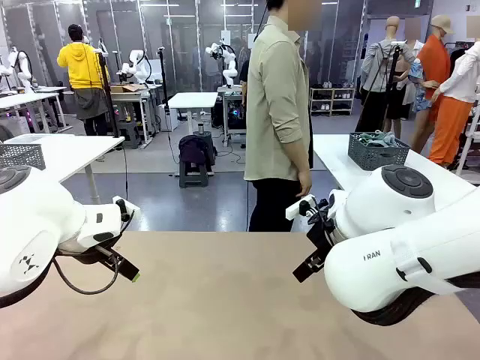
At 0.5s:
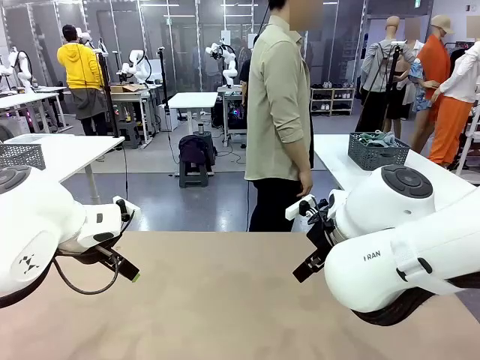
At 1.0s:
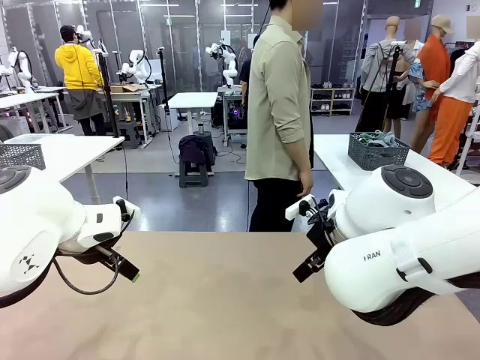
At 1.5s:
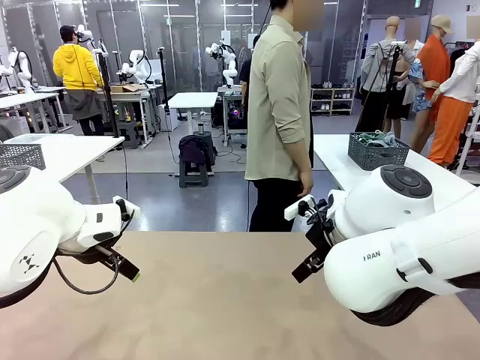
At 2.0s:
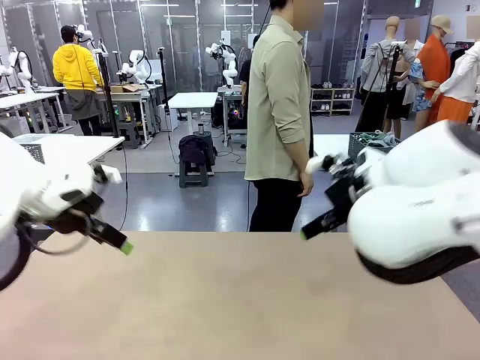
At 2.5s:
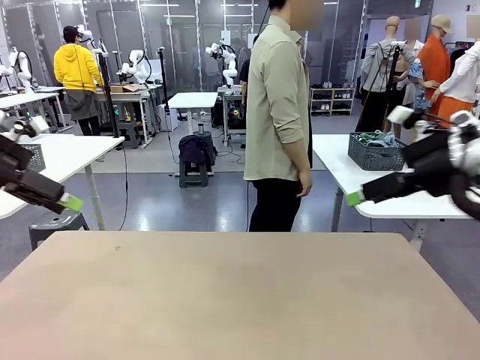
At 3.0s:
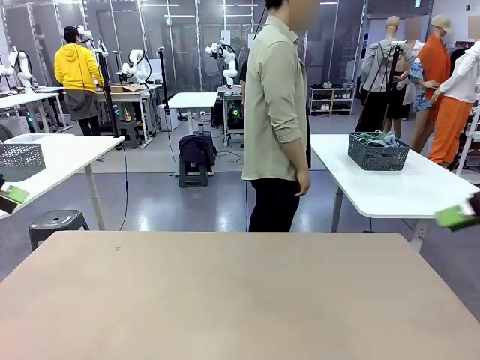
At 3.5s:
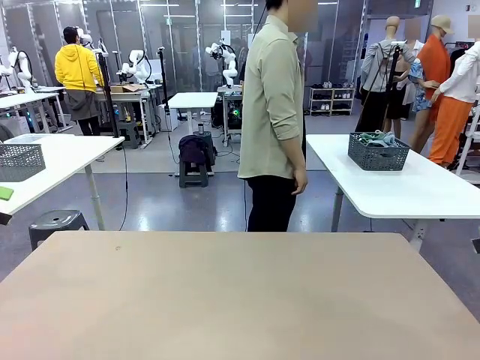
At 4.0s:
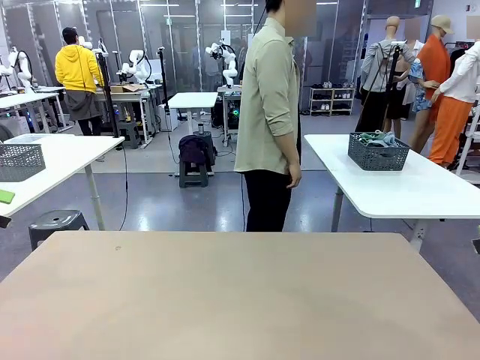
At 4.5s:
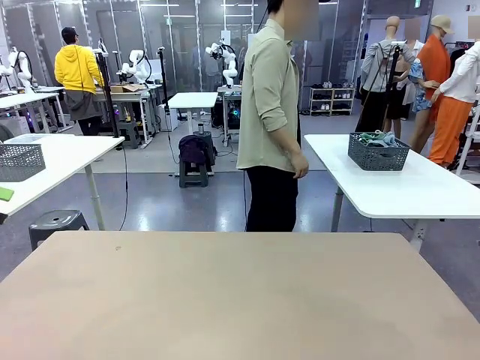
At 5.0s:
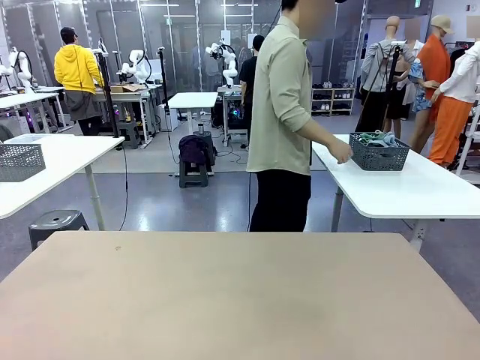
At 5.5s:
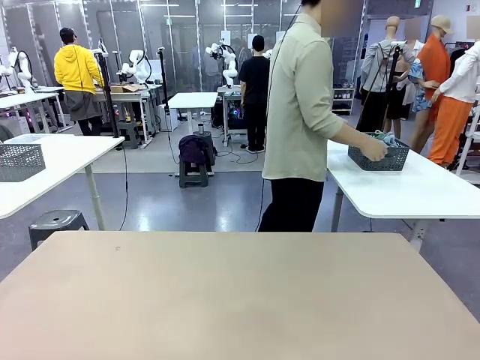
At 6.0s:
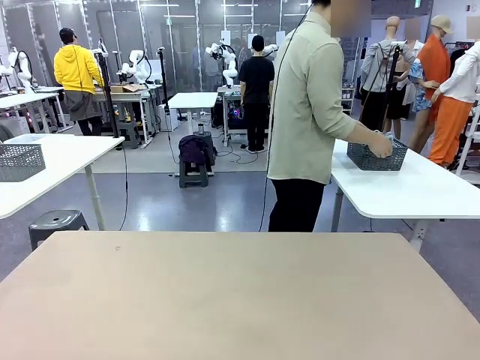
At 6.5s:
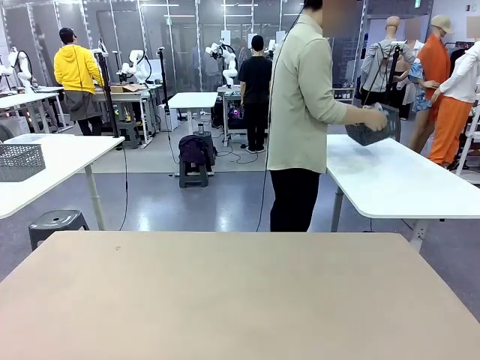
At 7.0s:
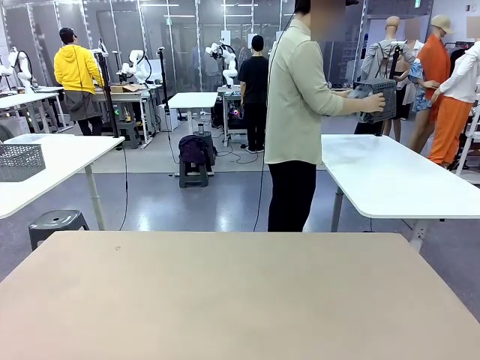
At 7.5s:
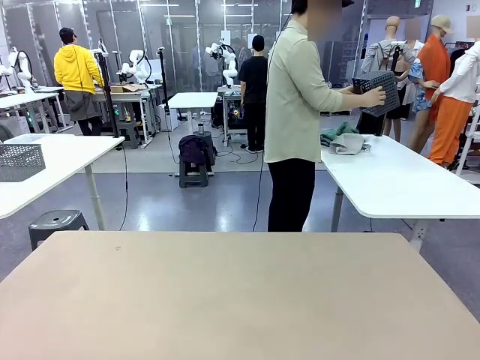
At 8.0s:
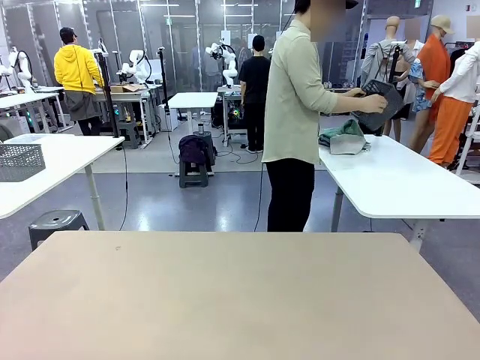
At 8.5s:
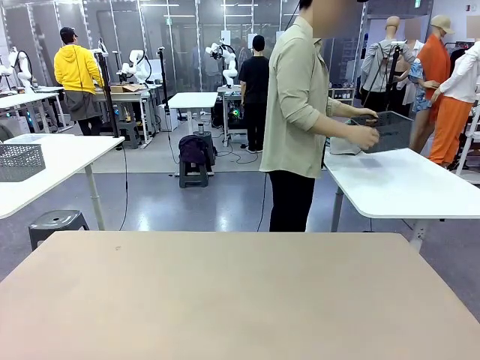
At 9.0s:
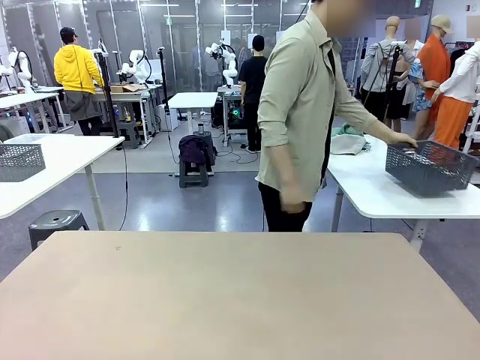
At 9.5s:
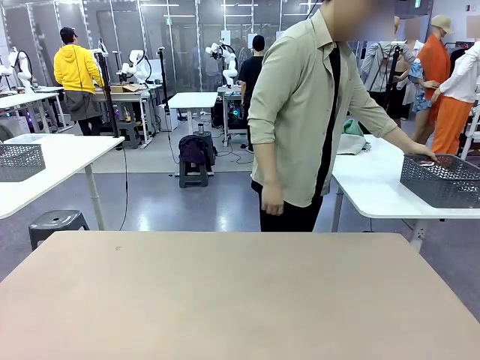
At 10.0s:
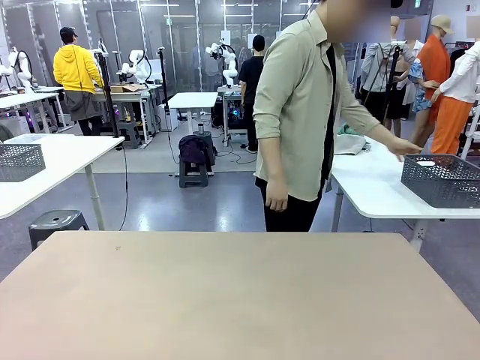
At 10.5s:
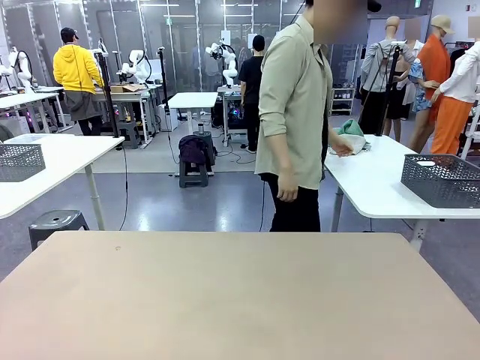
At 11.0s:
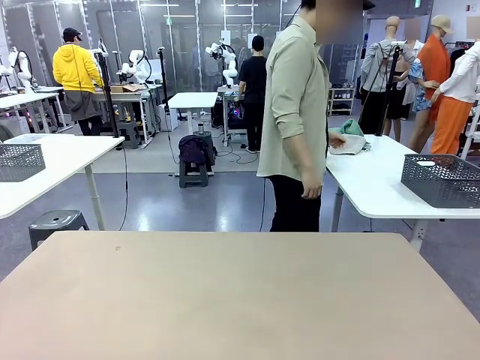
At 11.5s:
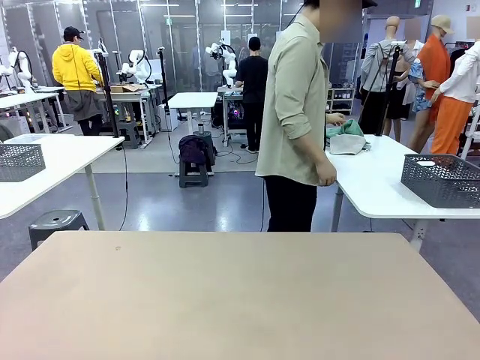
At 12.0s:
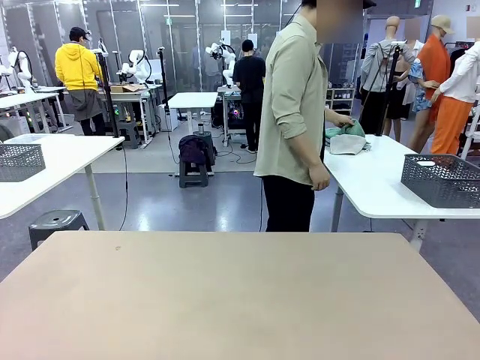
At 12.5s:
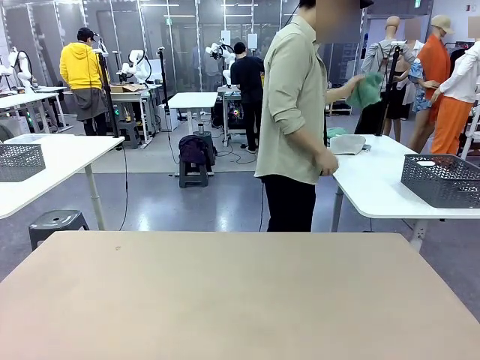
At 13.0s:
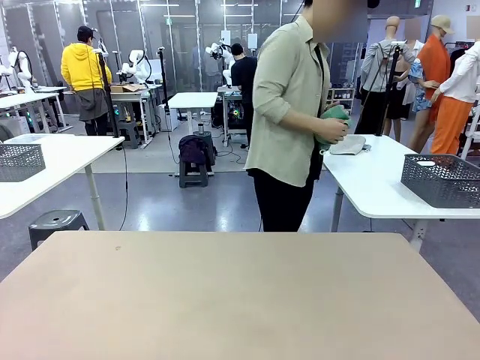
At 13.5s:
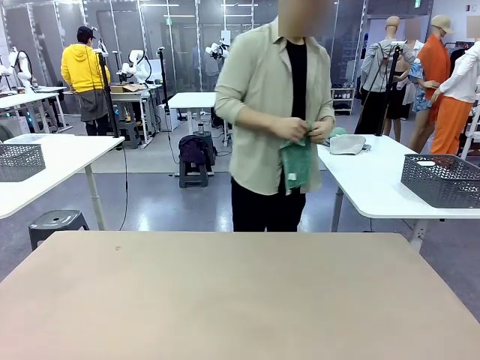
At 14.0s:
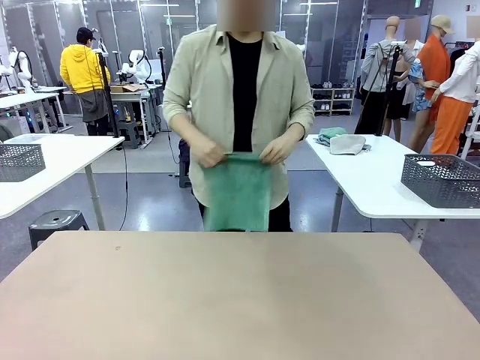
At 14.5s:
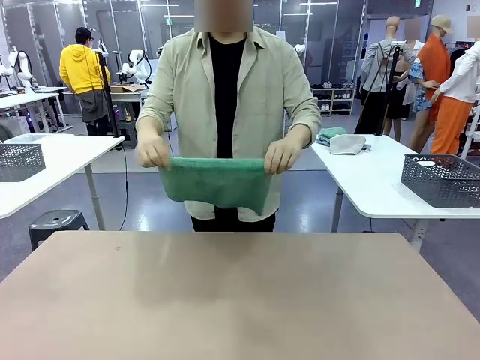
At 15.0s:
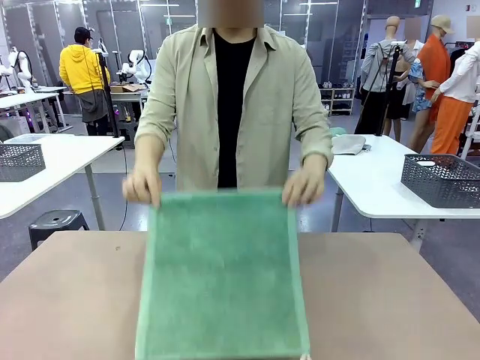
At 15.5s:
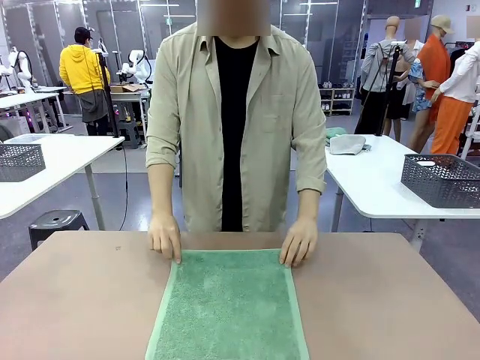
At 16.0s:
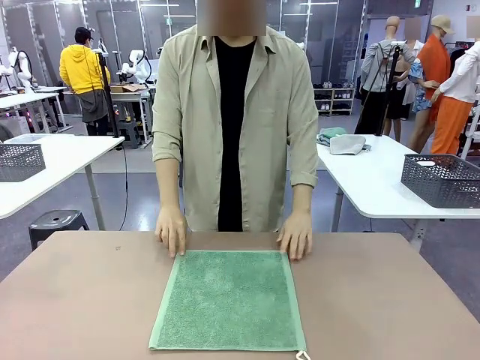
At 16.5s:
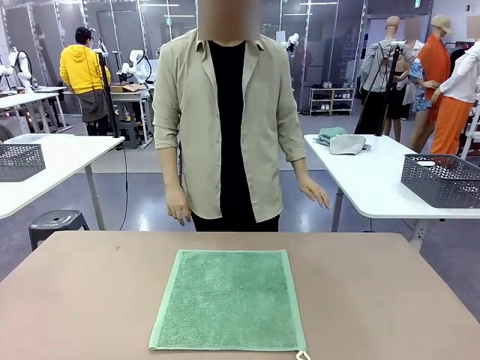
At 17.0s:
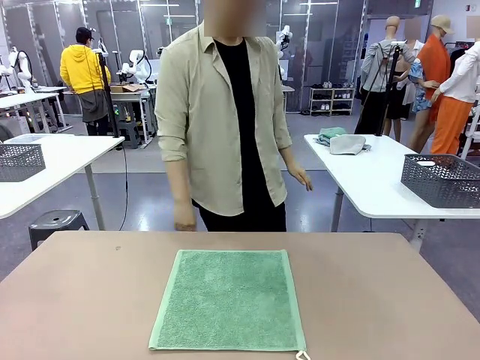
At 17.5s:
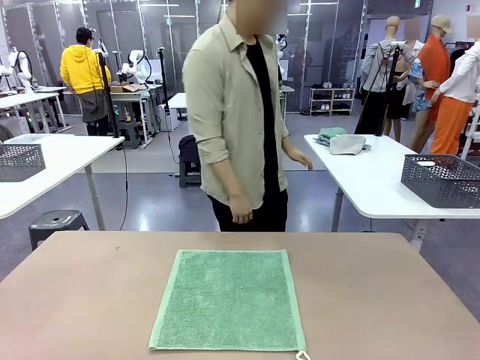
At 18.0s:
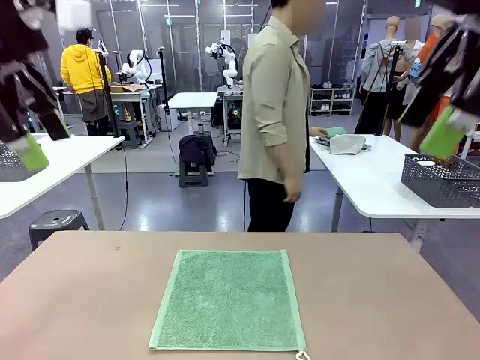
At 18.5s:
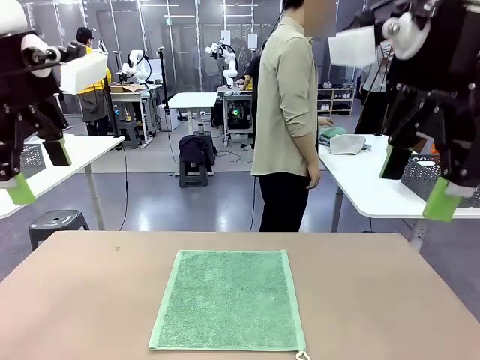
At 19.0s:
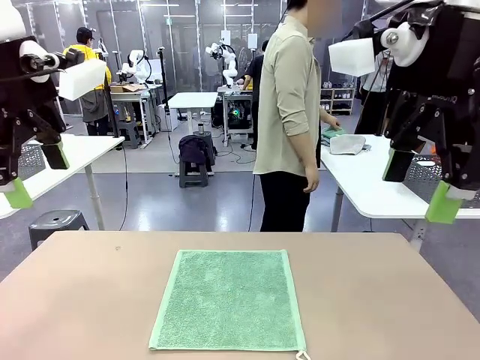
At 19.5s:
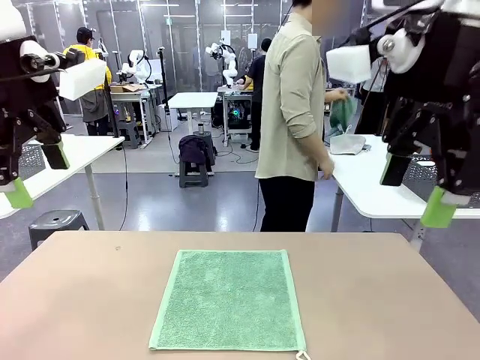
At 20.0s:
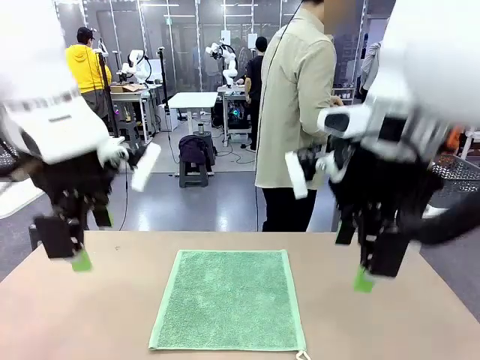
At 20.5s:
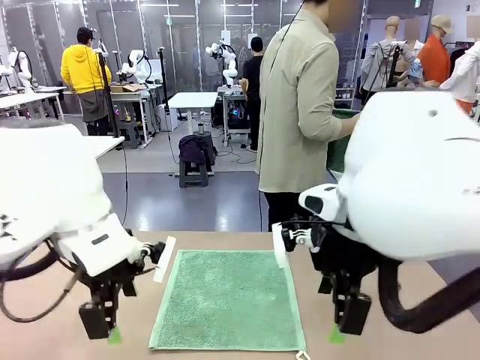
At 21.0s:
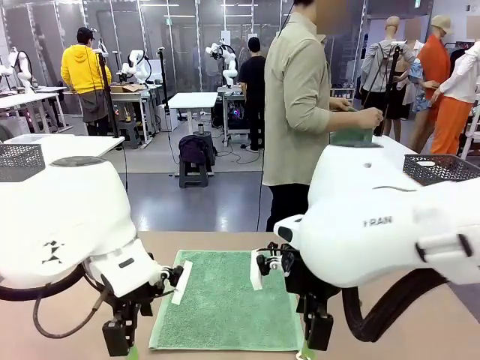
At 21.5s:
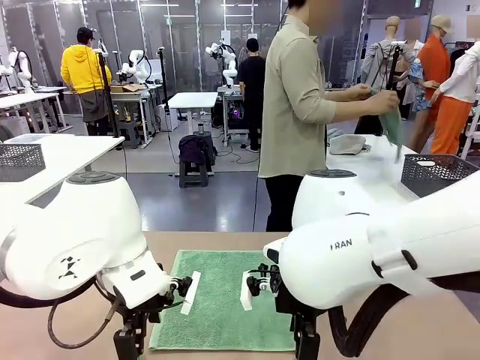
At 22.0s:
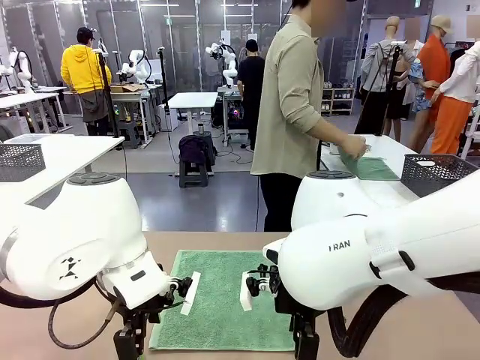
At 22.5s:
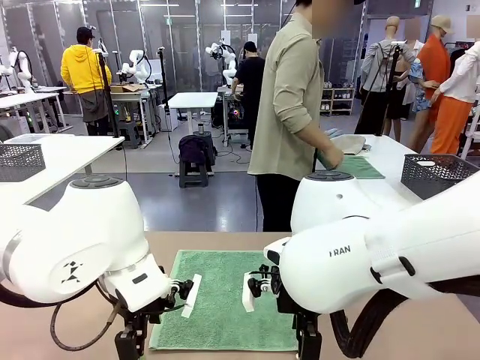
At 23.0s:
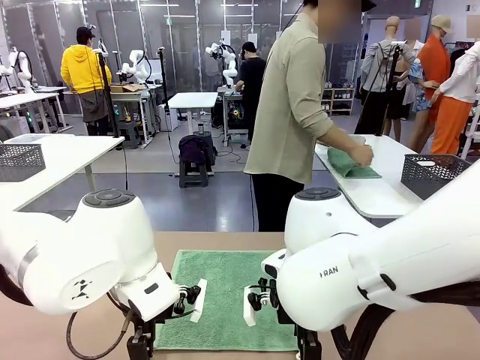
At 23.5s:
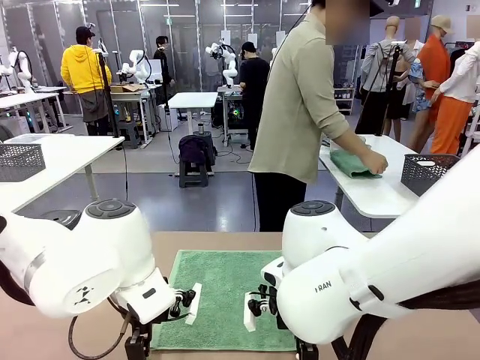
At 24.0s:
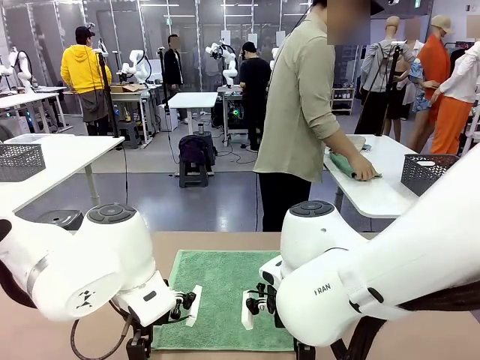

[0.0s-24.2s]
Task: Fold the towels and place them in the basket.
Robot: When a person lays out a Towel with hook on the table, fold it in half twice.
Person: Pick up the basket, pour the towels onto the left side of the human table, and place the basket on the right side. Pick up one towel and spread it out at the center of the robot table. Pick up one towel from the left side of the human table, fold it in half twice, and place it on the right side of the table.
